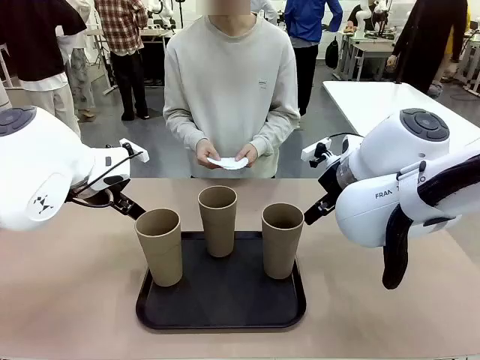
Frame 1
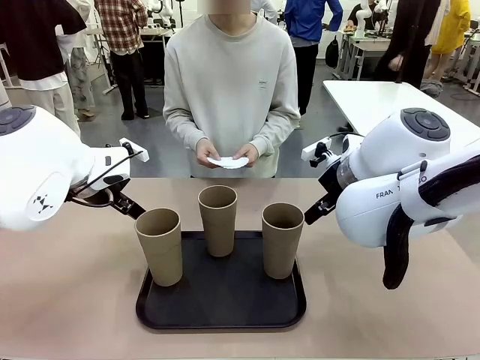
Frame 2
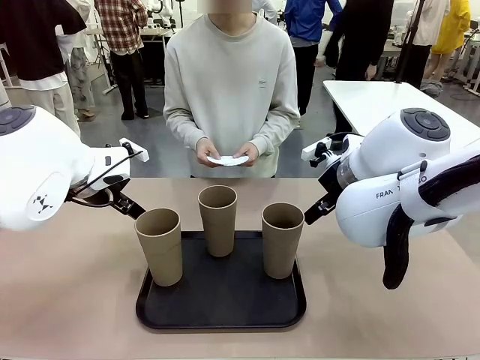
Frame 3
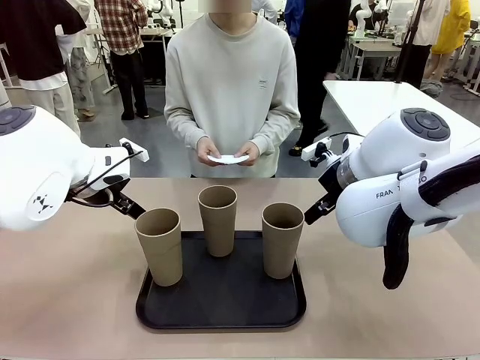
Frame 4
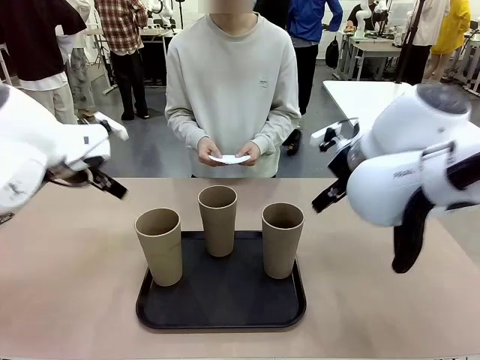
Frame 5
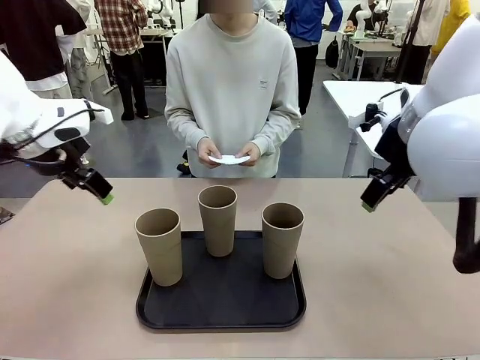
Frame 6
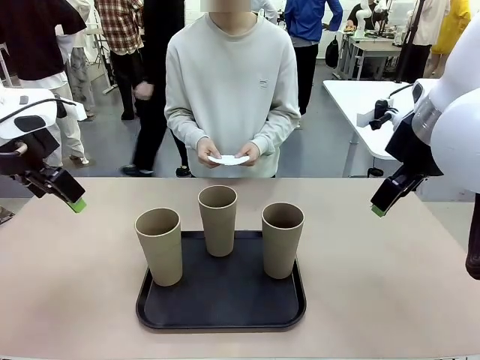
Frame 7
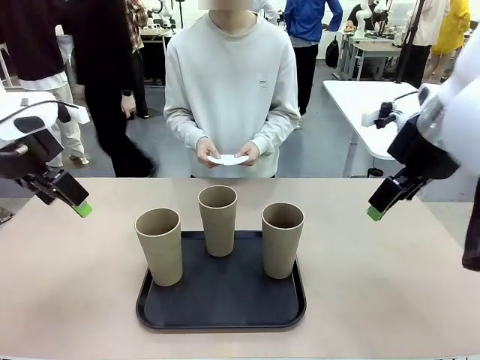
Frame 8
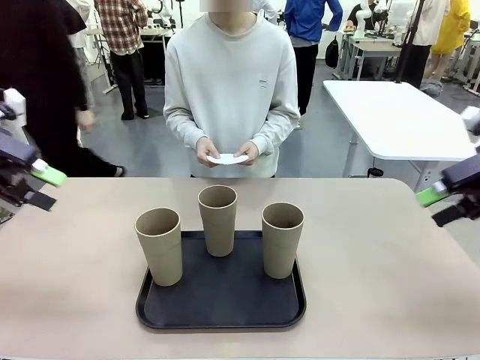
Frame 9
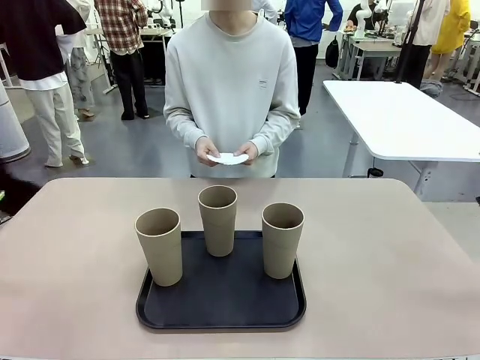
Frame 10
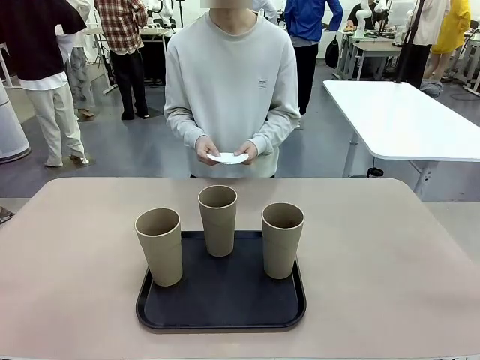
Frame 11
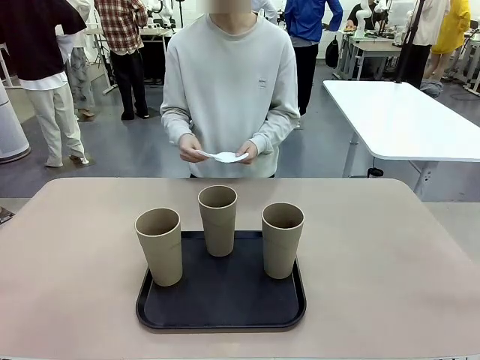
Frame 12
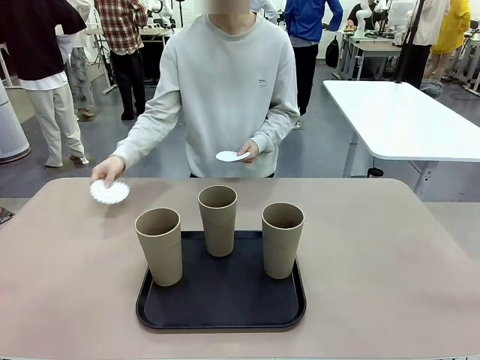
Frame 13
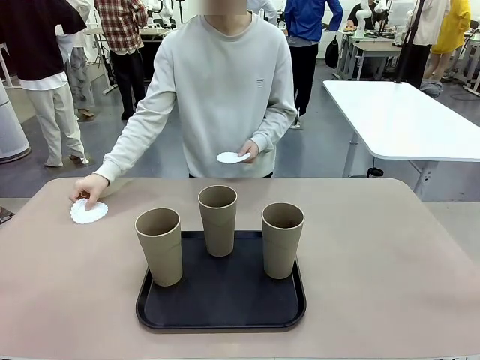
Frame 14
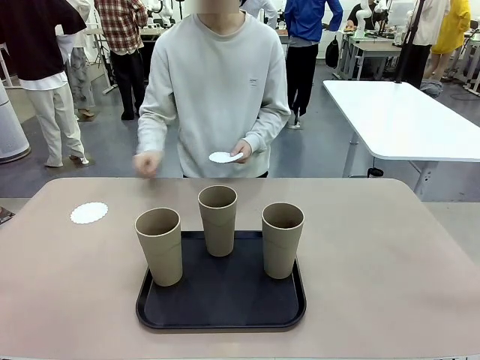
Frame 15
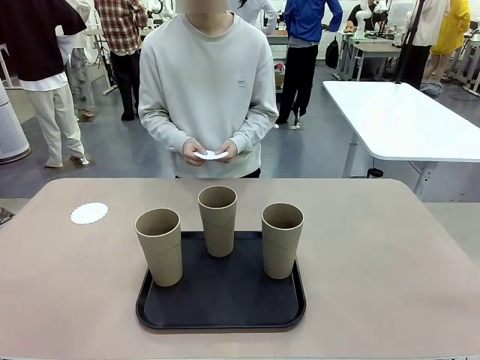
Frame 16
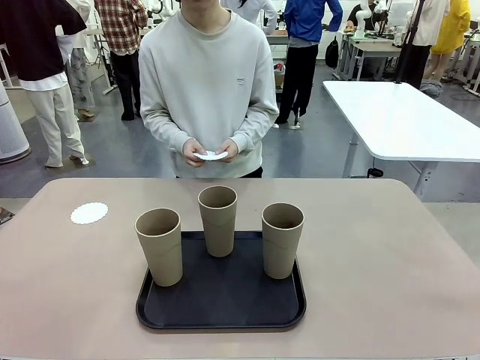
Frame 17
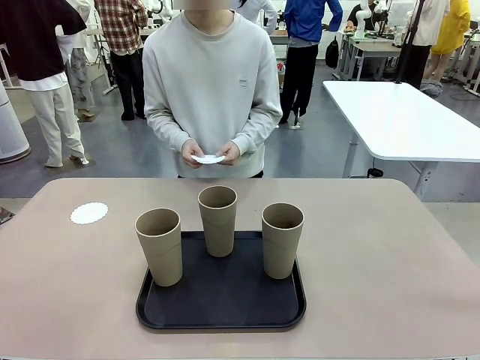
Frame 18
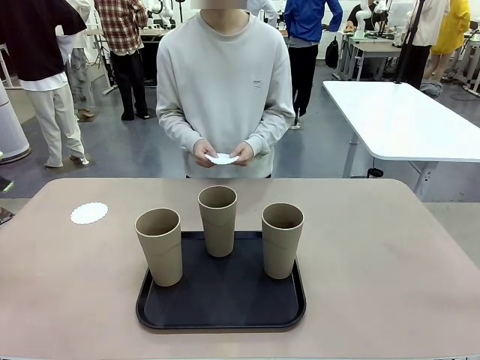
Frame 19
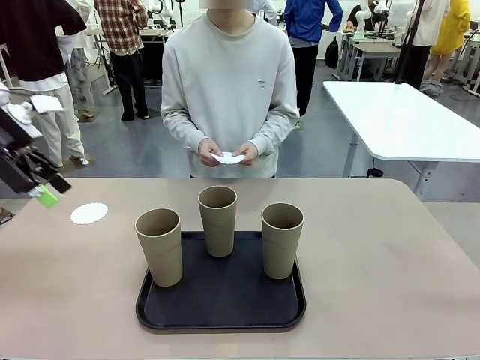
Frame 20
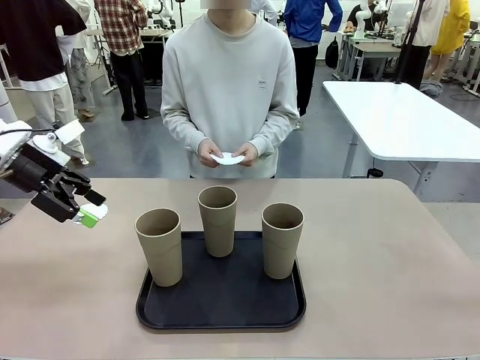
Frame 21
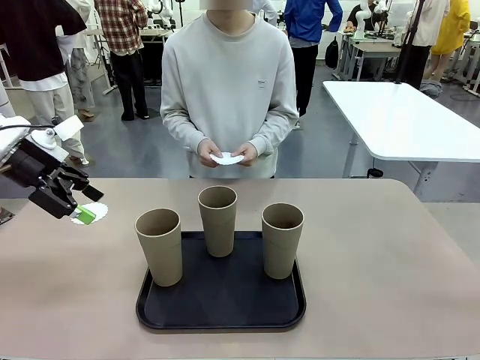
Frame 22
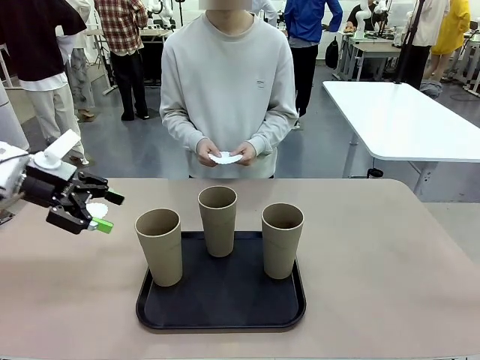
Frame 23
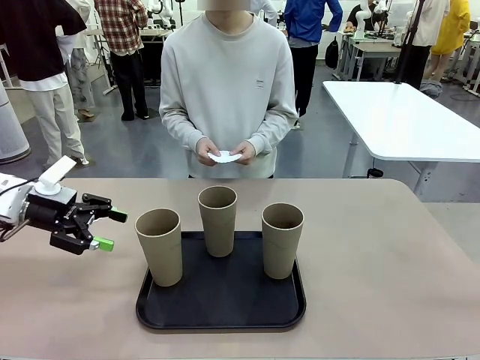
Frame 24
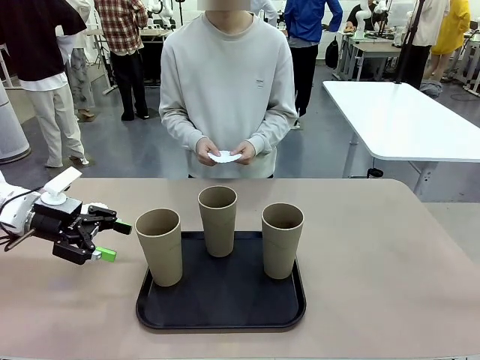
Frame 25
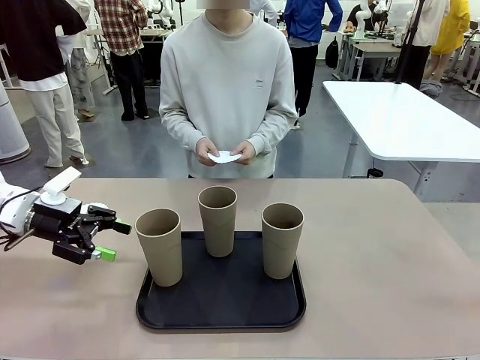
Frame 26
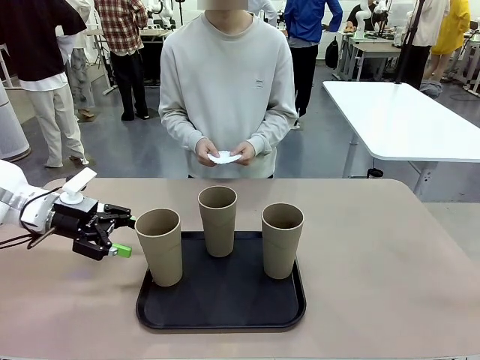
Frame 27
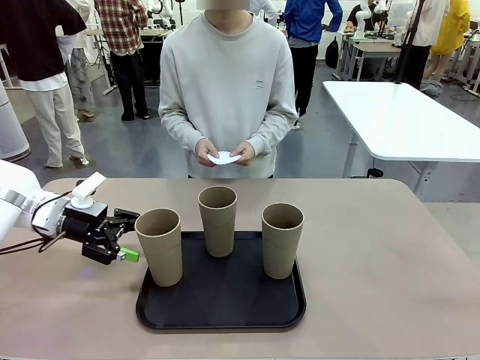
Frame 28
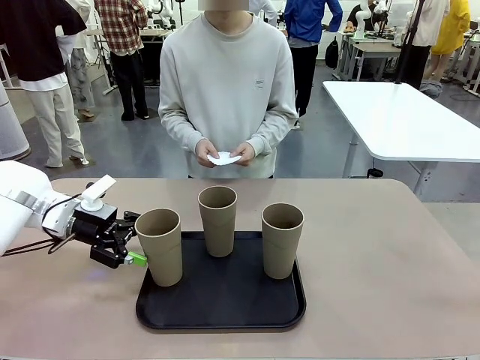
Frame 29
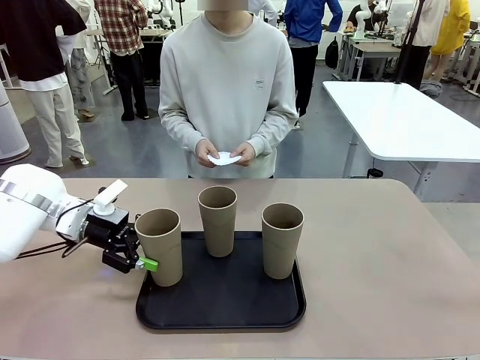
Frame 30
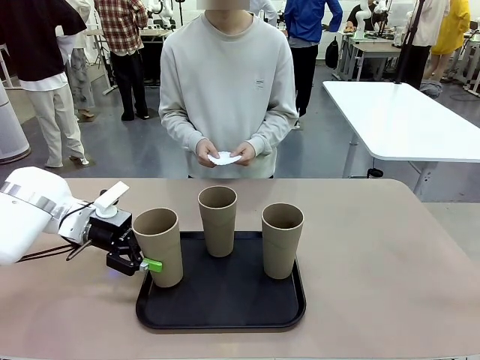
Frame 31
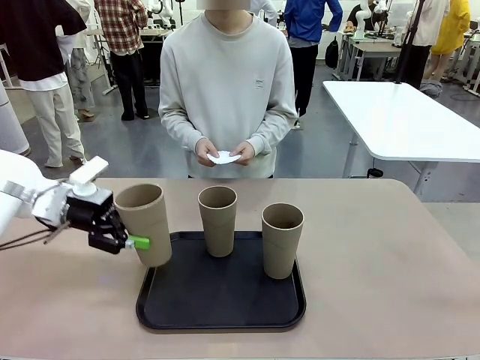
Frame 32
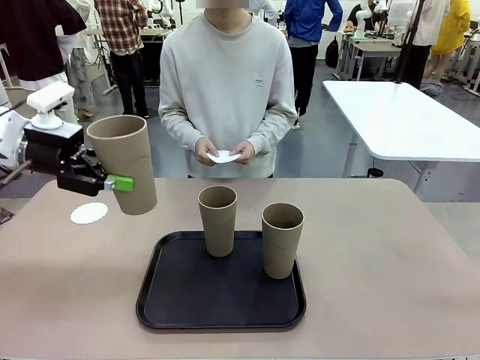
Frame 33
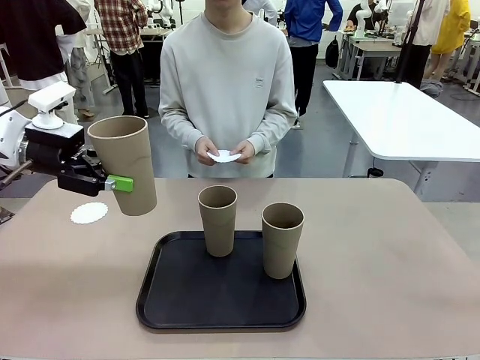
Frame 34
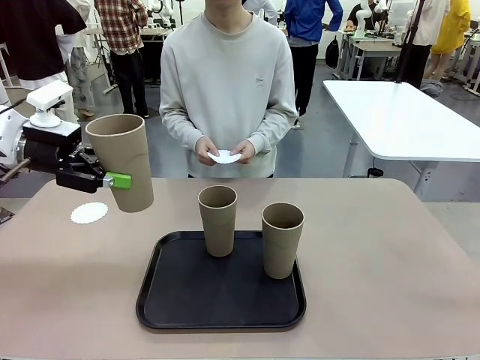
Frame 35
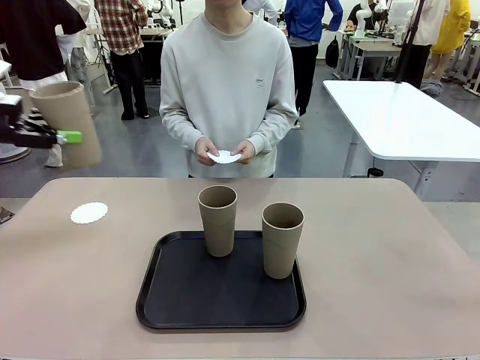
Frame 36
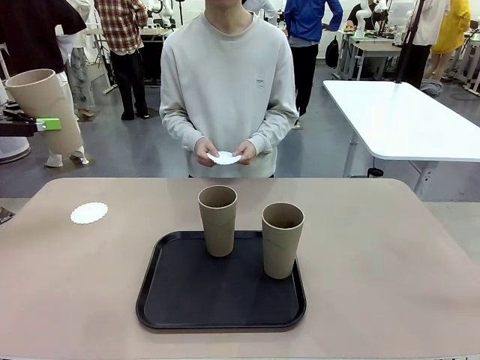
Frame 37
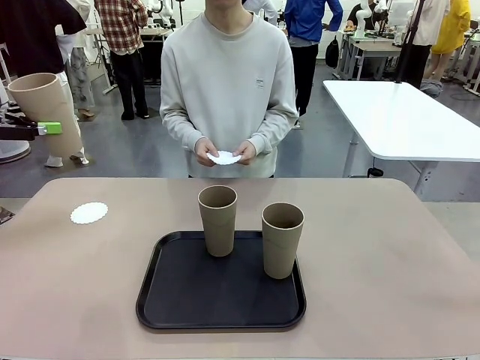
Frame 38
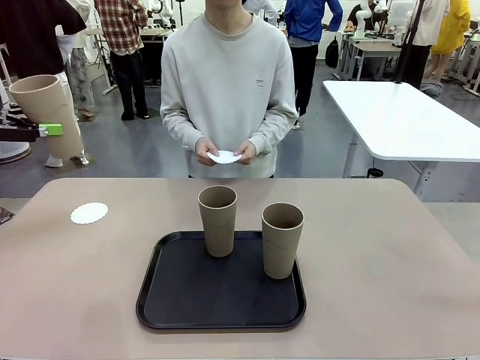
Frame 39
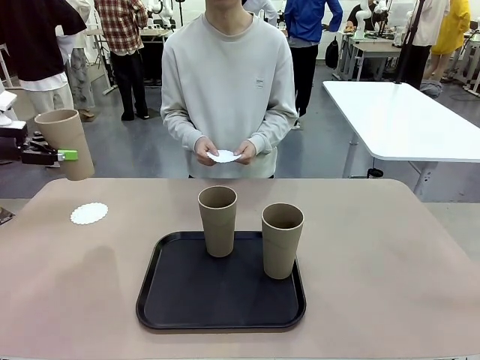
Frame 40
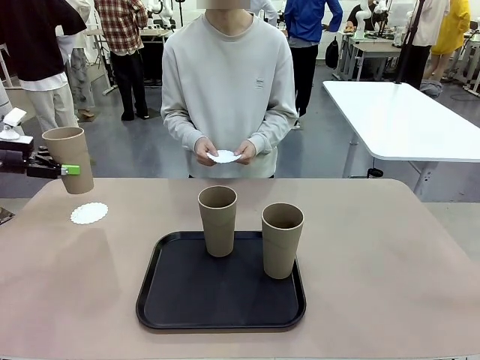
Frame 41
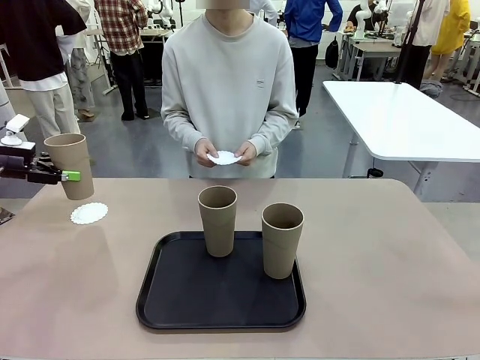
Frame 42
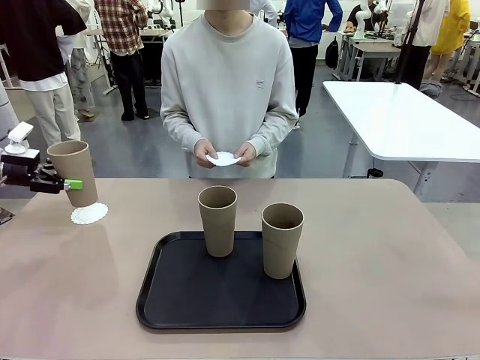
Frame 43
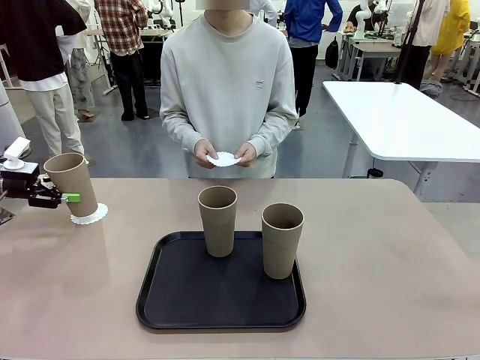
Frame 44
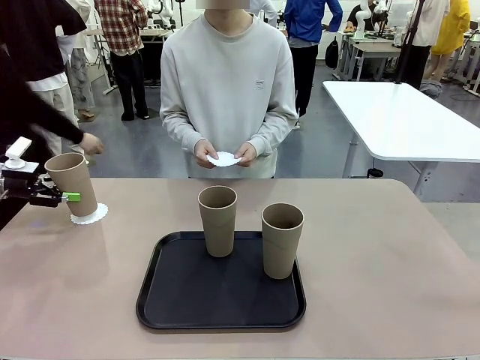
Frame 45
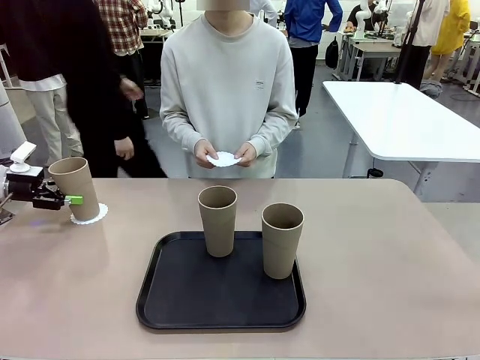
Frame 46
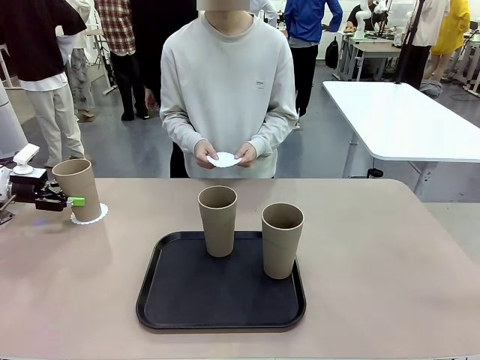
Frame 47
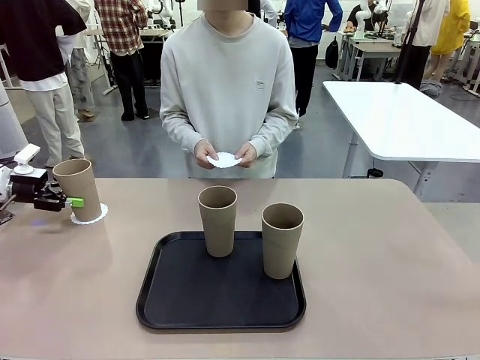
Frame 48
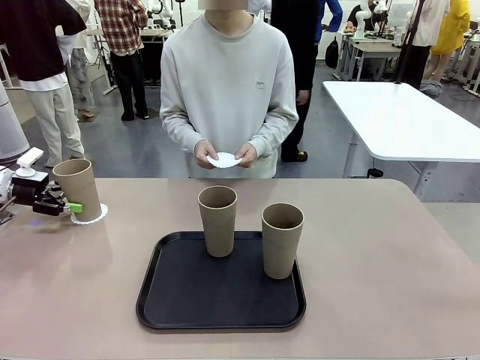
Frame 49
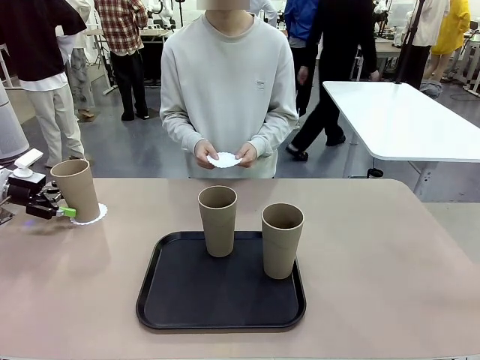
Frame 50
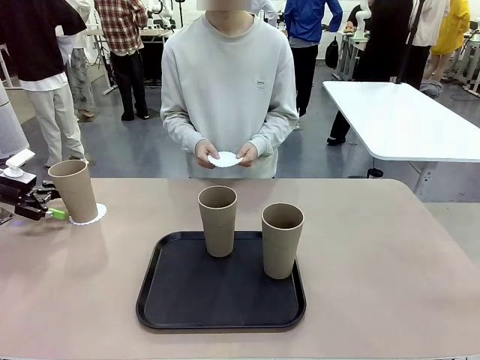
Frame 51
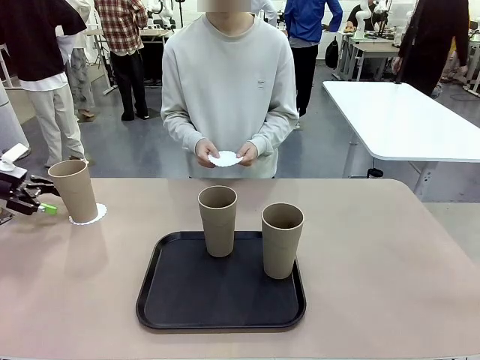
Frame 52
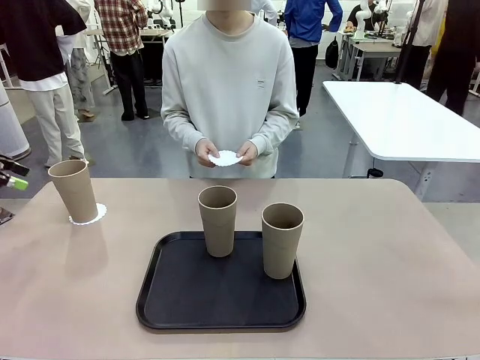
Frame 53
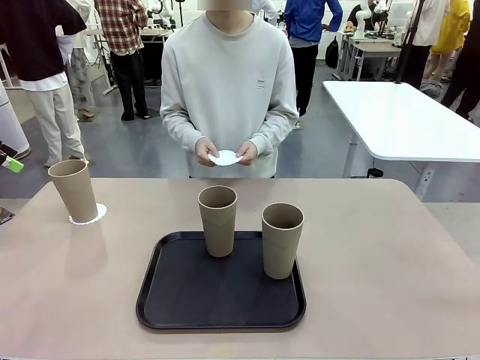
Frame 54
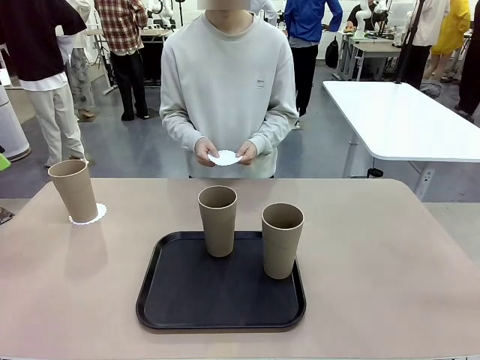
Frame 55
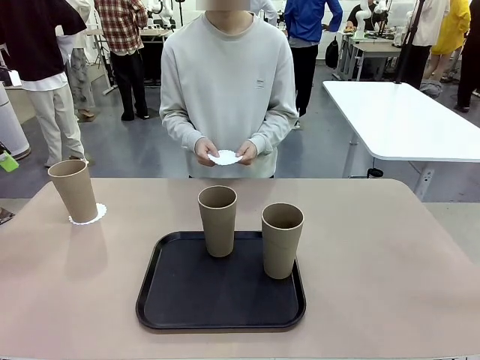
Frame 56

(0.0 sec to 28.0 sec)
Task: Place coasters on the table and set cups on them.
Robot: Pick up one Reusable plastic cup and place it on a coaster set by the human.
Person: Place one coaster in any one of the three lower areas of the robot table (left, center, or right). Place one coaster in one of the two areas excluding the previously selected area.
